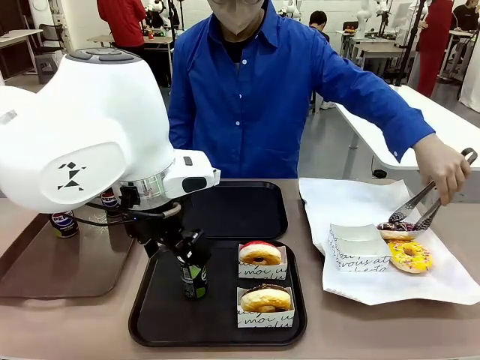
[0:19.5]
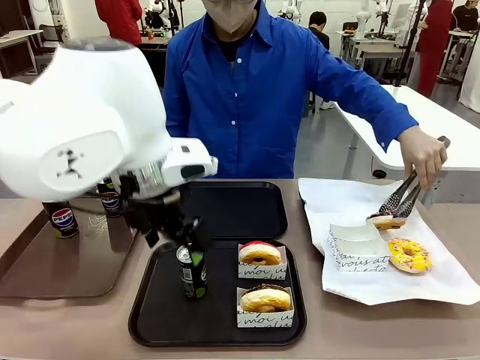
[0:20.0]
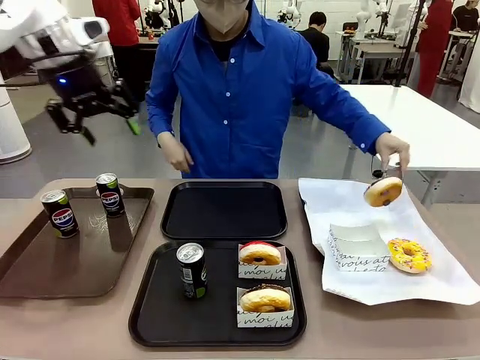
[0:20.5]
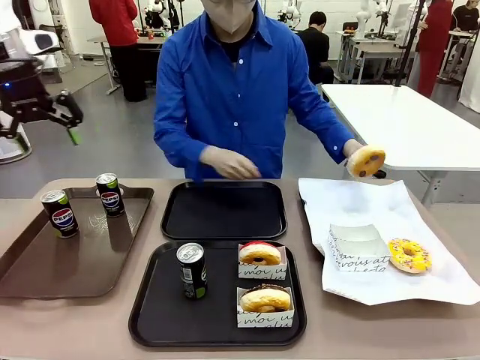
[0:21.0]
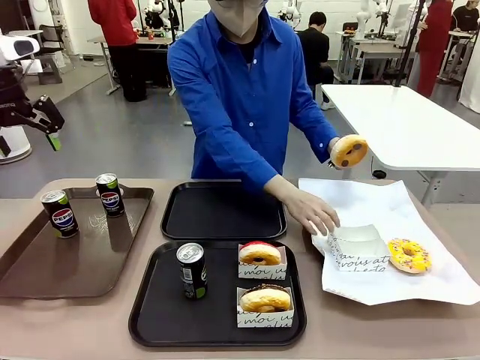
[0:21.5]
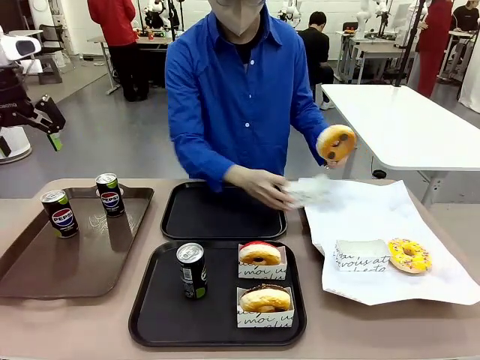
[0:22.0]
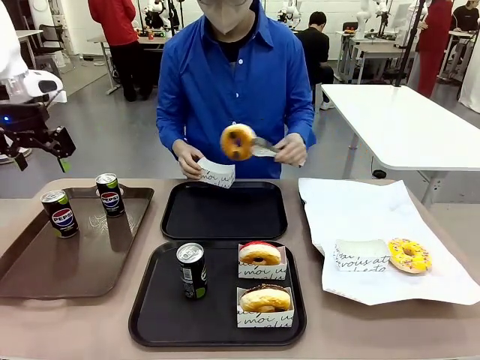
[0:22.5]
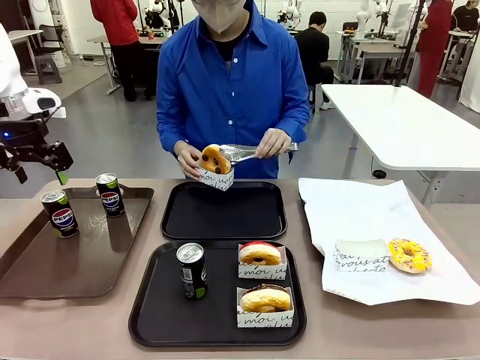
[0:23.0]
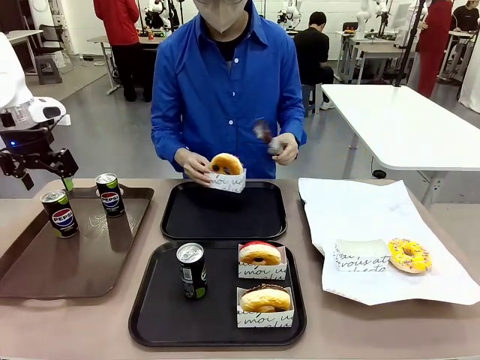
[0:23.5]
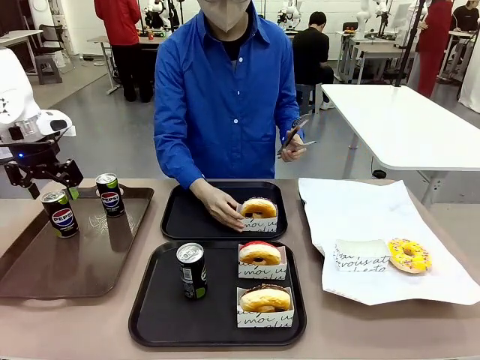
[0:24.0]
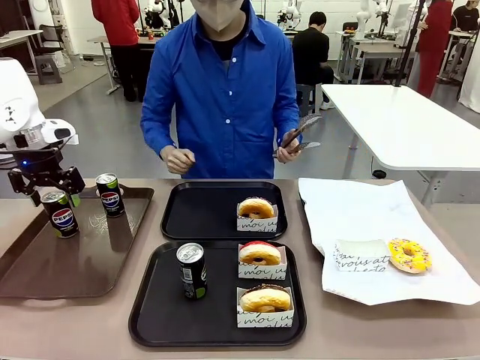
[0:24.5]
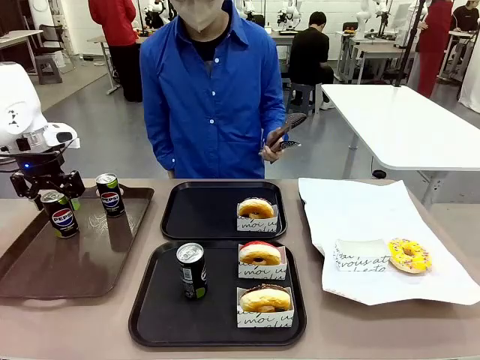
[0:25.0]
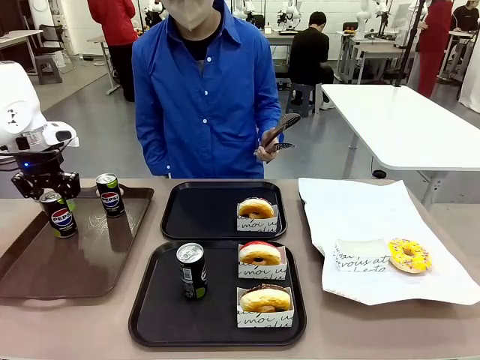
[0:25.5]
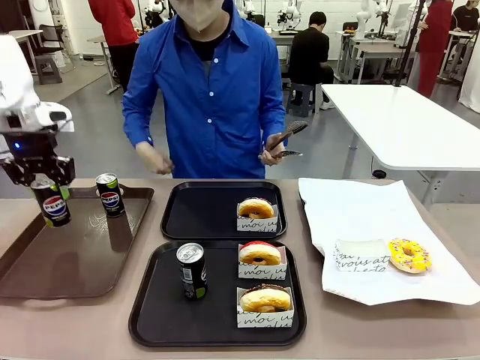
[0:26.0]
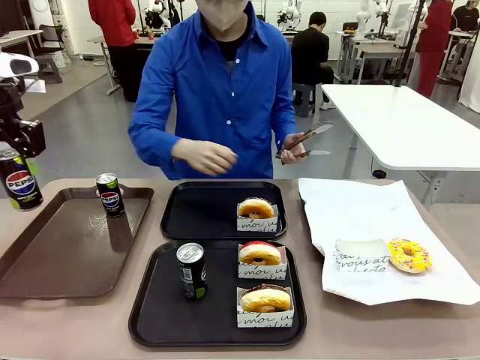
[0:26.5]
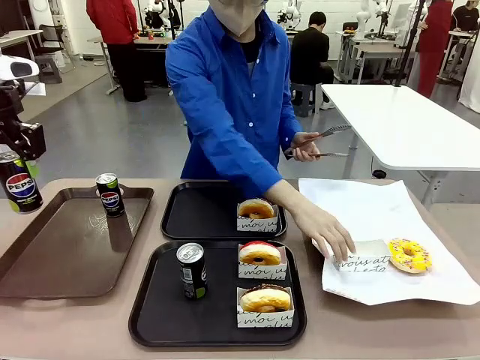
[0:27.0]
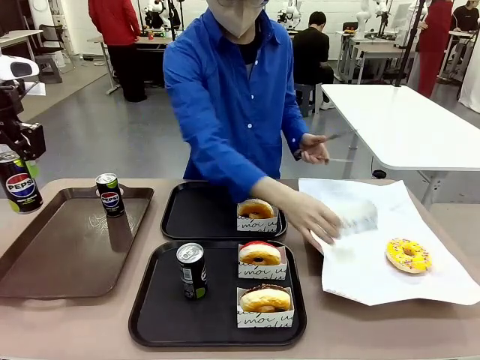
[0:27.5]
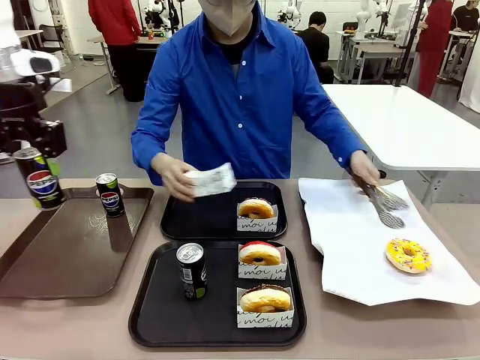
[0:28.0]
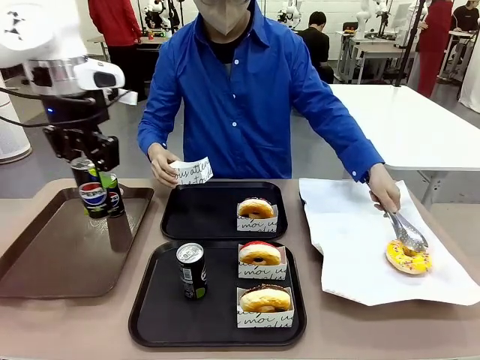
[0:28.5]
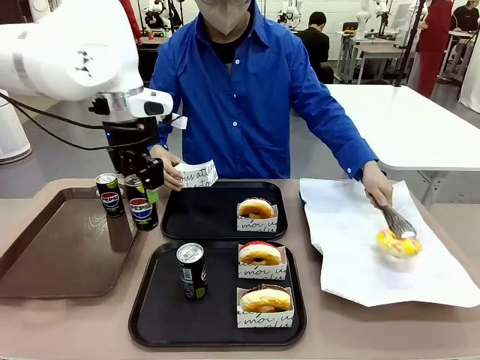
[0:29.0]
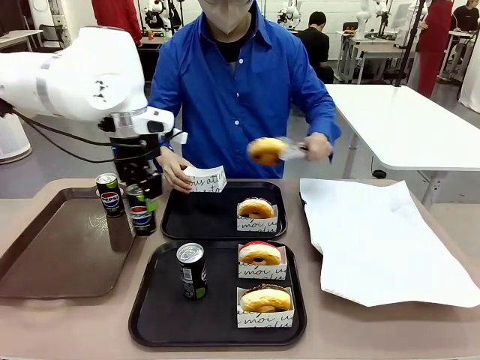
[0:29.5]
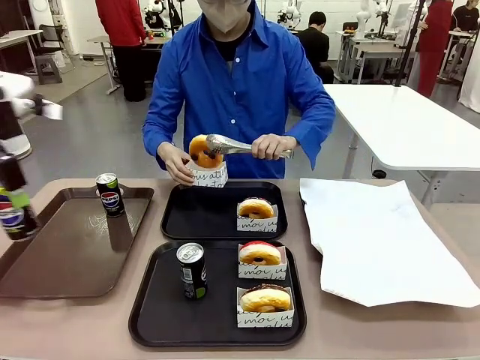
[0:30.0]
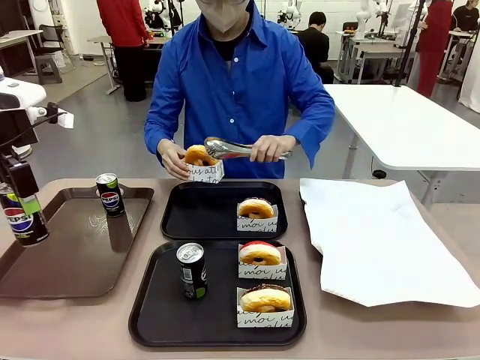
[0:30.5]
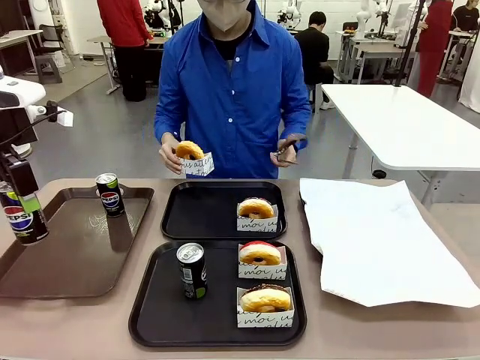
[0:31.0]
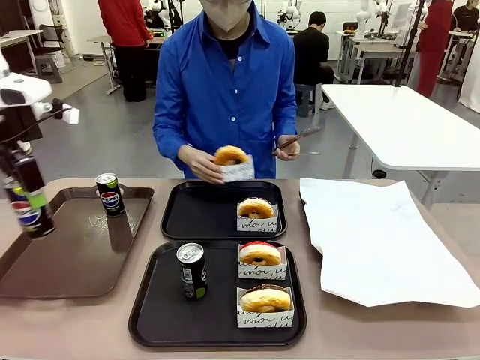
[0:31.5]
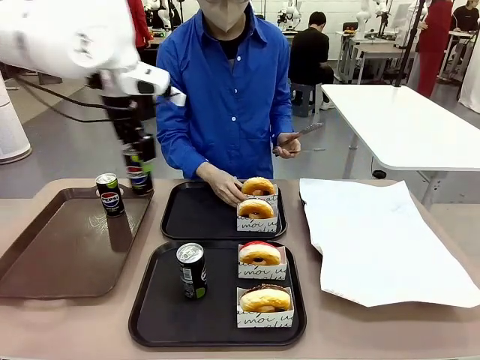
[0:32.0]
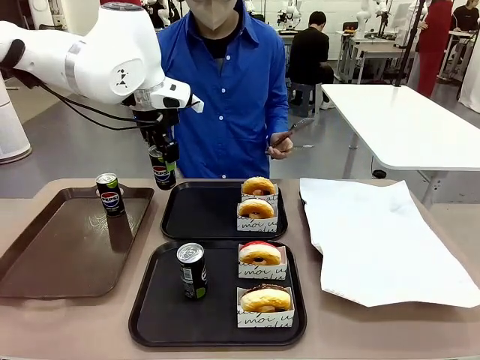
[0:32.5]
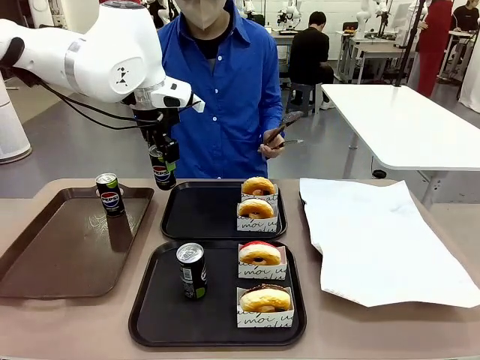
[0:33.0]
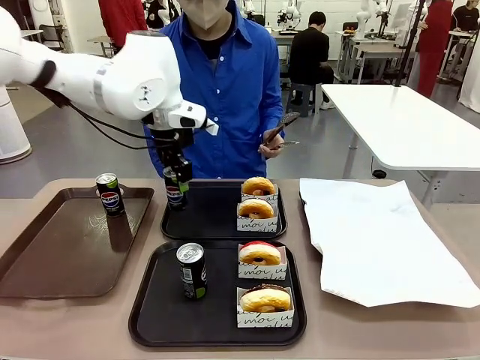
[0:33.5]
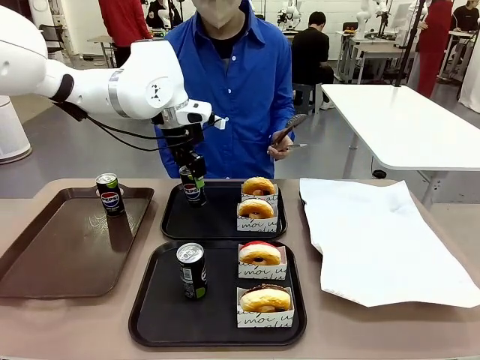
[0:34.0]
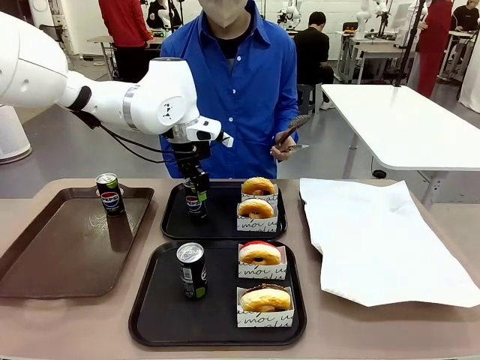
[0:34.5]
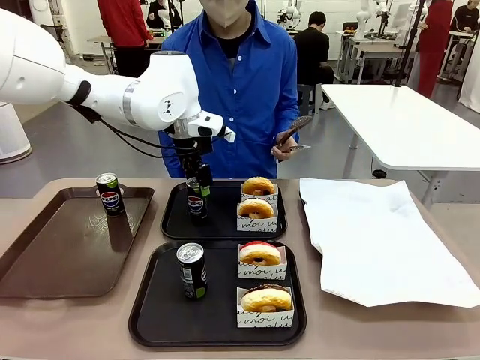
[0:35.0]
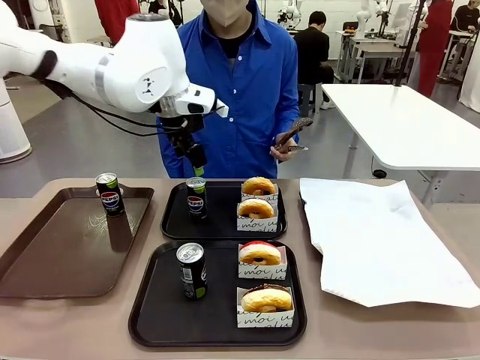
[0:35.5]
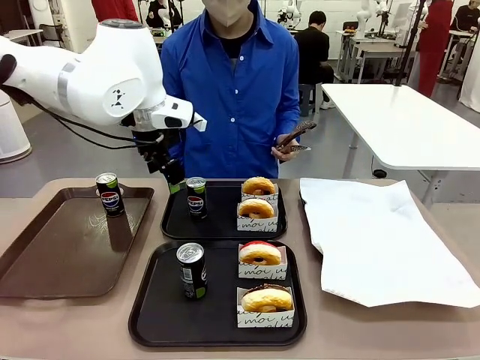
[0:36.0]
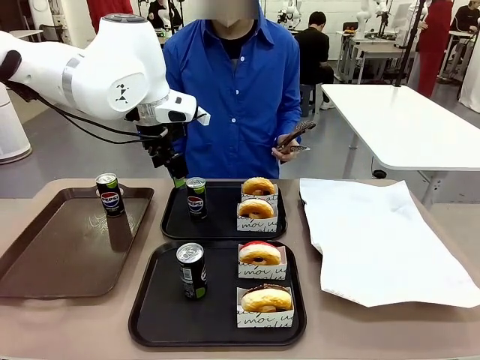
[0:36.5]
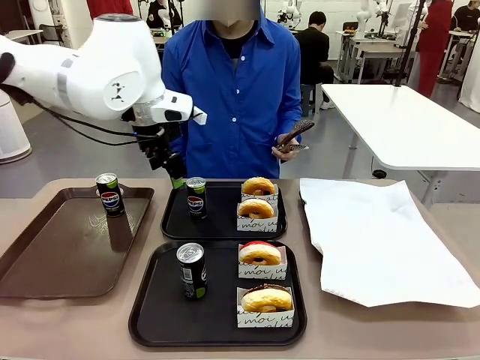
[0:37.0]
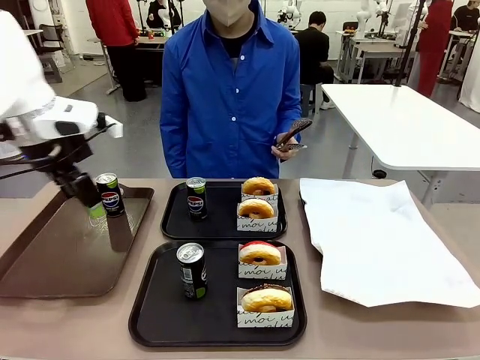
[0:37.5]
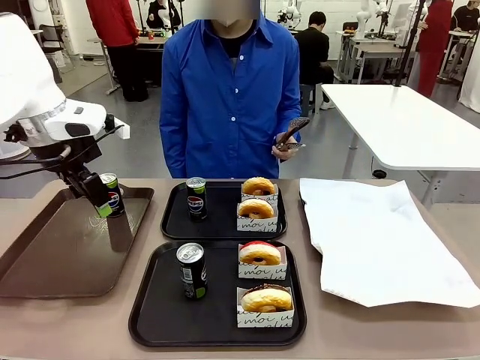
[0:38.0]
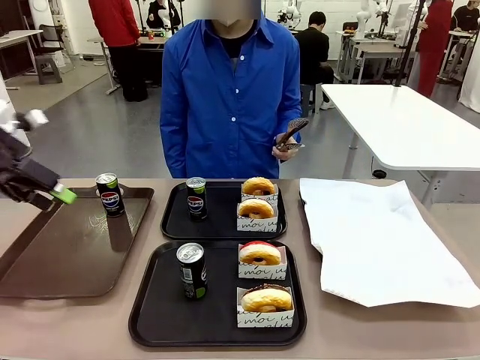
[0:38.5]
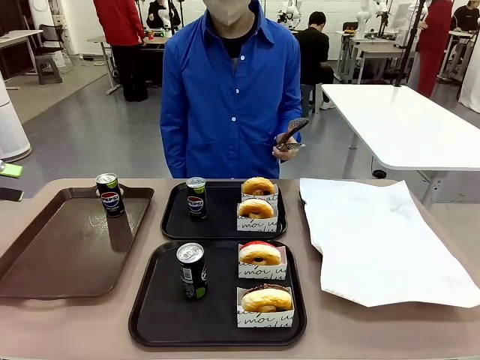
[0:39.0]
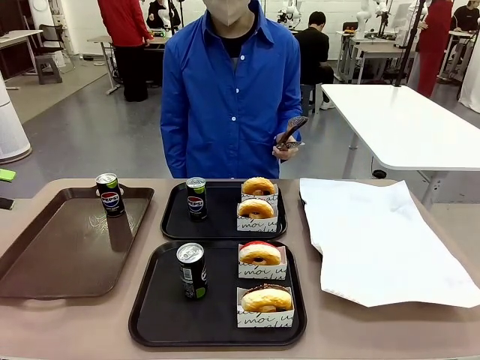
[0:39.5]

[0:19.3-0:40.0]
Task: Set up donuts and drinks on trays.
Robot: Pick up one Pepsi coke from the Handle tray and place it on the Flat Tray without a Pepsi coke.
Person: Pick up one donut with tongs, place it in the donut tray, and then place the donut tray on the flat tray.
